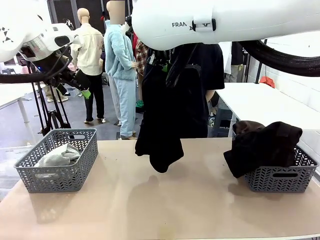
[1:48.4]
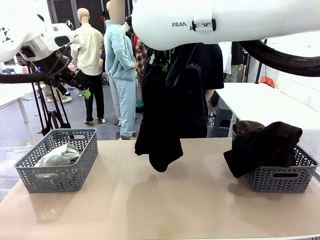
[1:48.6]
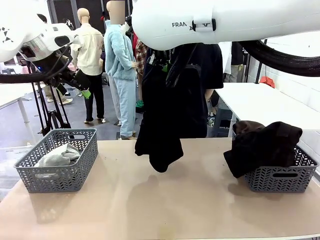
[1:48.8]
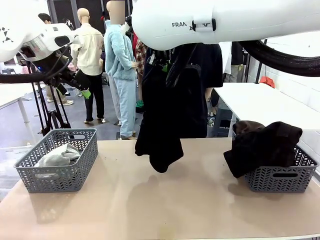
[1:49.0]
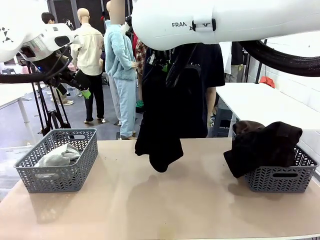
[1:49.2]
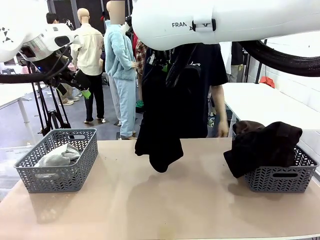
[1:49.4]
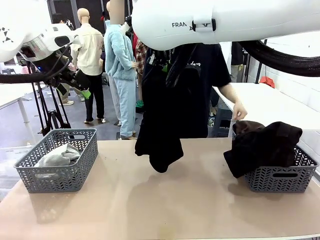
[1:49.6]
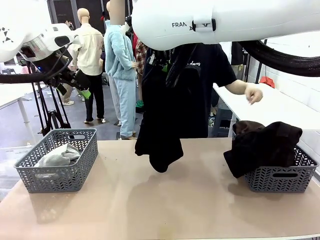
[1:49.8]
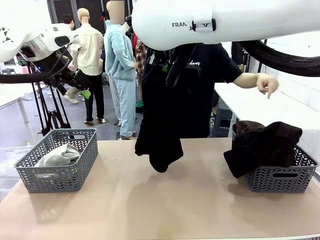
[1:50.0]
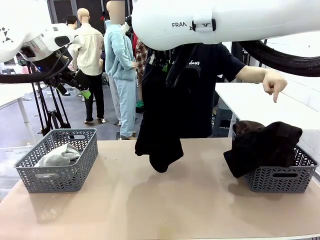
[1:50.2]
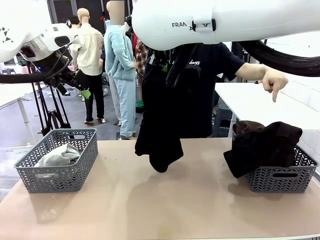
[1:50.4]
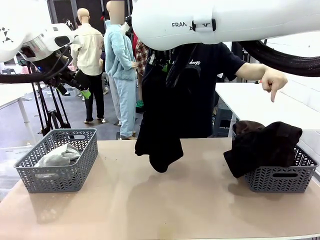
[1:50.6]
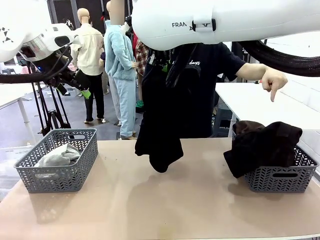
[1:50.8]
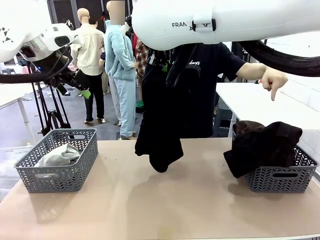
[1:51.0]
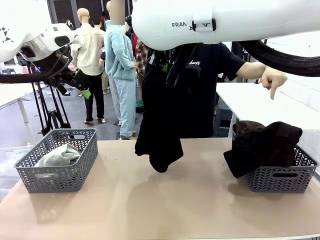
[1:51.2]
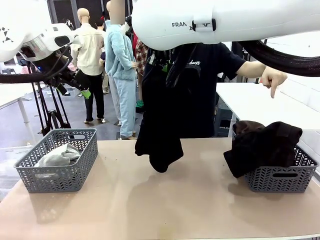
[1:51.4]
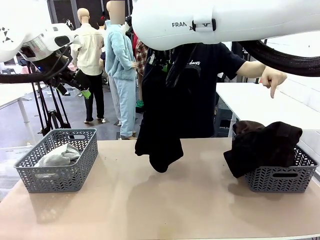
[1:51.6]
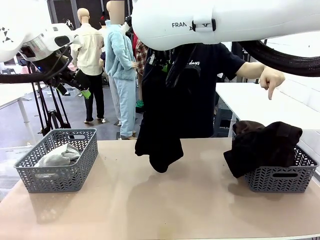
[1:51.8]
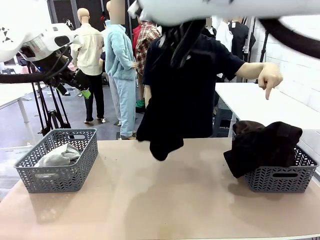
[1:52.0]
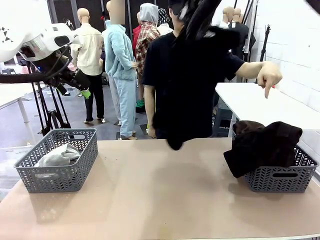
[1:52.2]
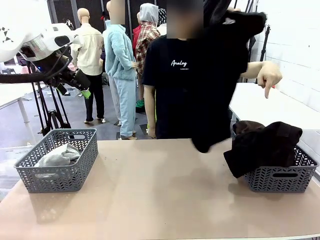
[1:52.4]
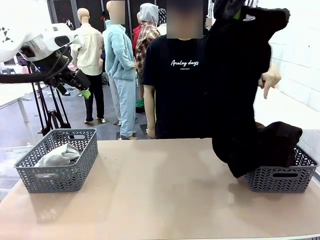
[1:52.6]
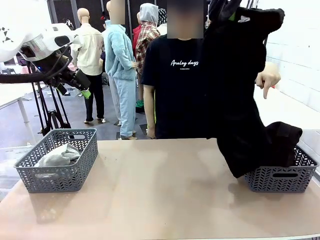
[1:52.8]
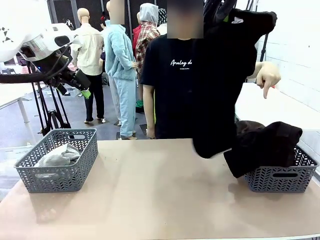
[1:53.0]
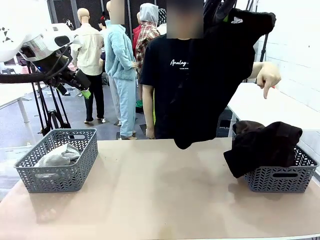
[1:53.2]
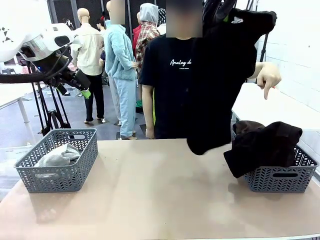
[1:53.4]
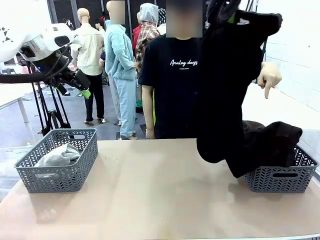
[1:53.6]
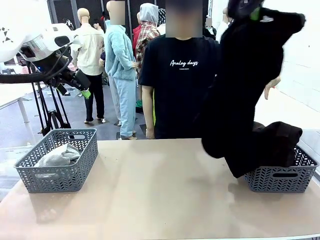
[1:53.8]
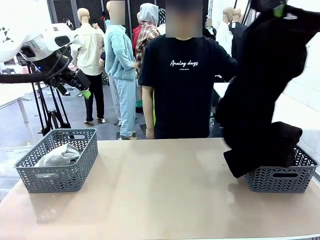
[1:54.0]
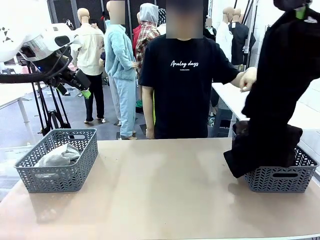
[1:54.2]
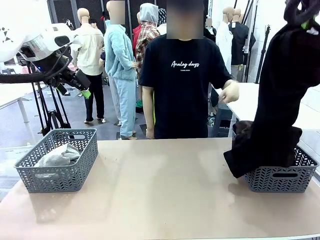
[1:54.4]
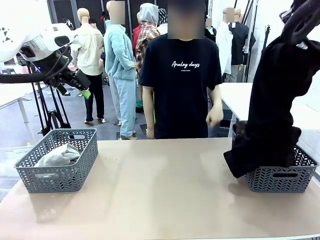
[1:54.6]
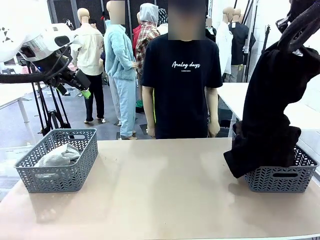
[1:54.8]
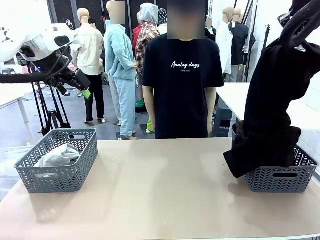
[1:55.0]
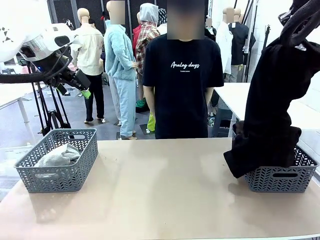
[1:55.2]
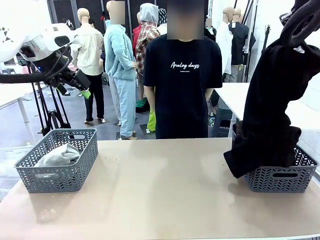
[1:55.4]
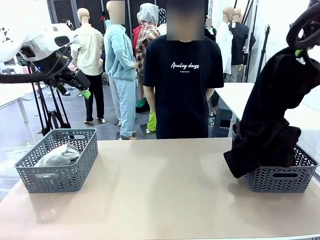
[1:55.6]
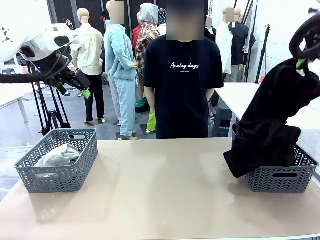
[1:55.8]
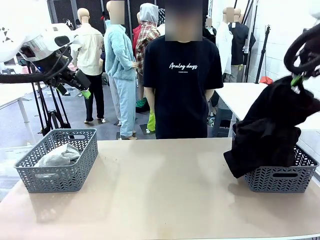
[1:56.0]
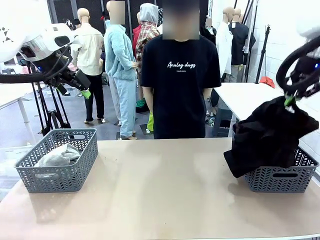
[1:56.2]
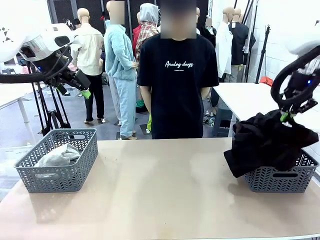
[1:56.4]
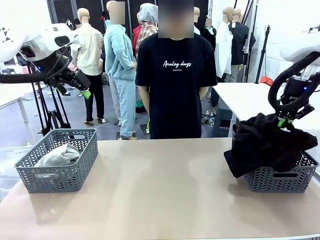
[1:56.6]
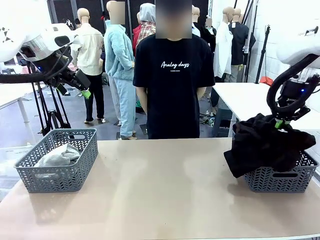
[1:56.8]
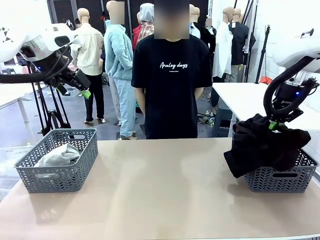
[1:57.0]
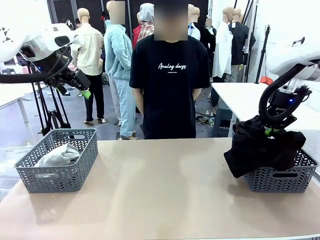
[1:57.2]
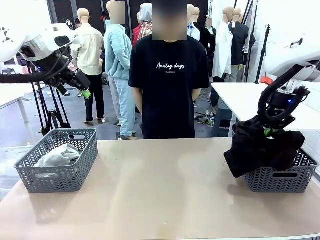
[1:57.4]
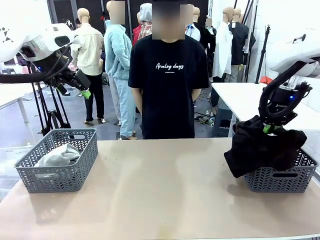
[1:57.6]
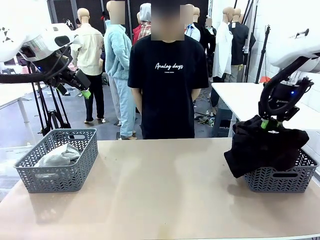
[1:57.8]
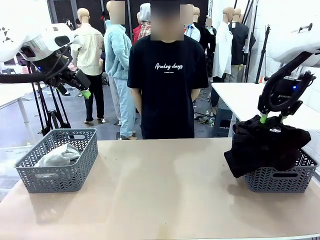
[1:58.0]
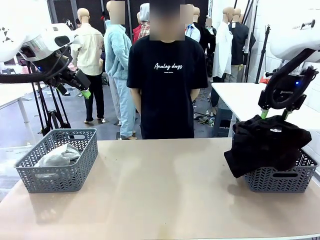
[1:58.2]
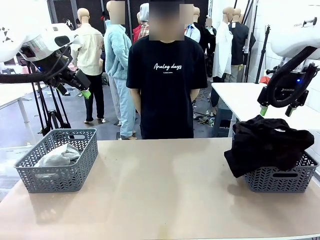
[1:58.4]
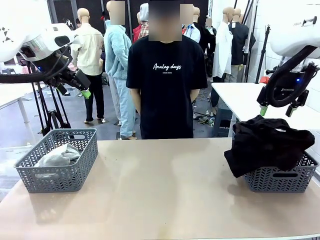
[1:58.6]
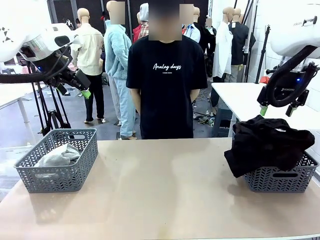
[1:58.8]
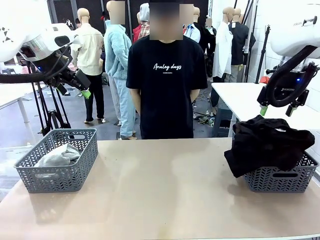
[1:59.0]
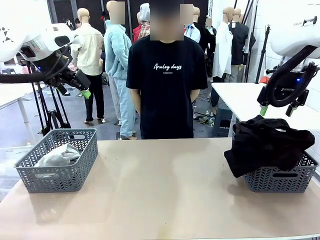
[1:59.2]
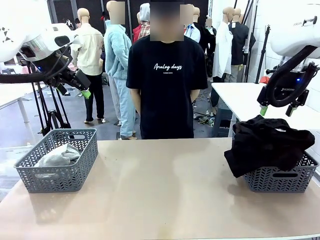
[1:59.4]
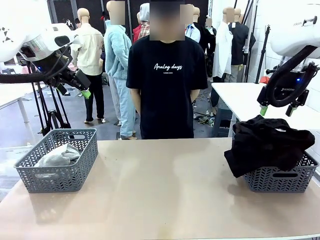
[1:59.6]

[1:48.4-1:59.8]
Task: Sort the tops and bottoms.
Robot: Sort the clothes according to human instructions.

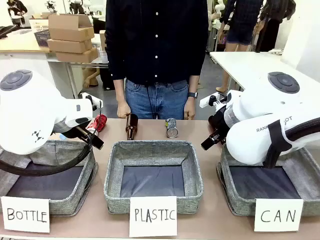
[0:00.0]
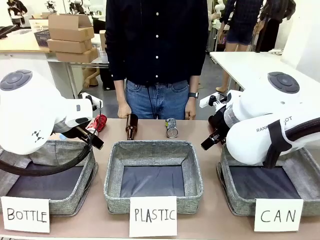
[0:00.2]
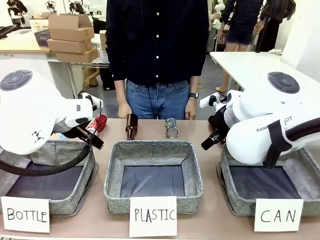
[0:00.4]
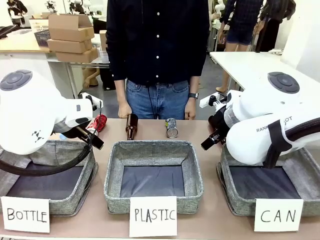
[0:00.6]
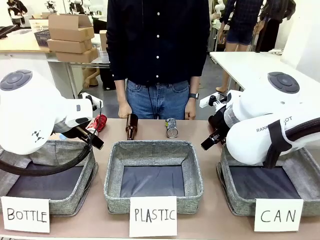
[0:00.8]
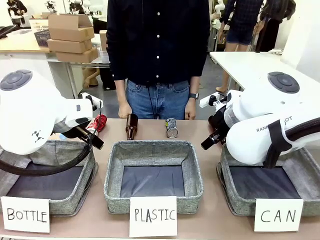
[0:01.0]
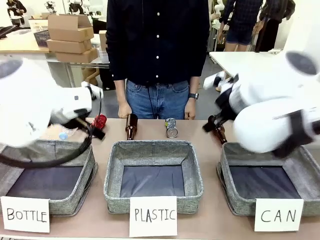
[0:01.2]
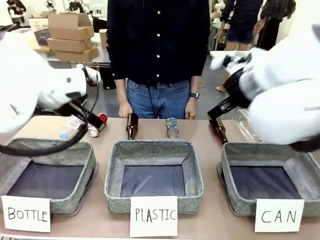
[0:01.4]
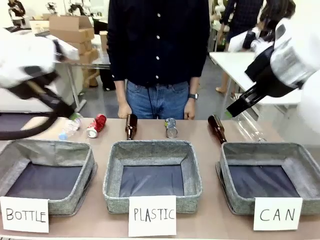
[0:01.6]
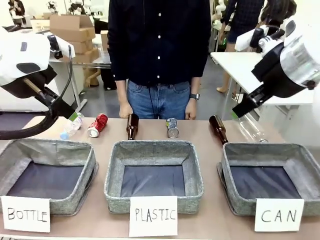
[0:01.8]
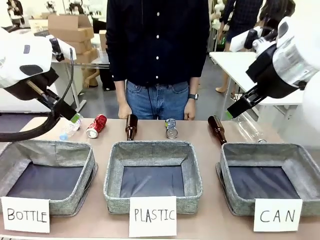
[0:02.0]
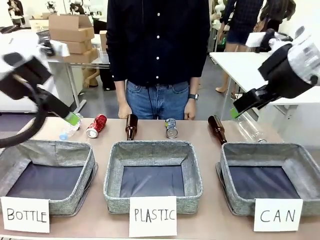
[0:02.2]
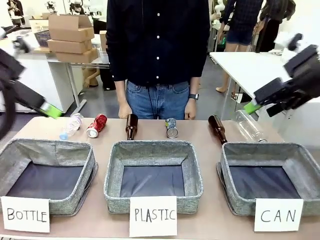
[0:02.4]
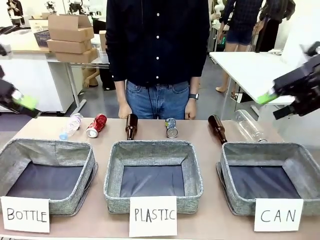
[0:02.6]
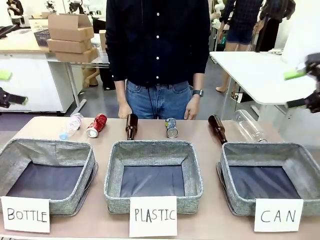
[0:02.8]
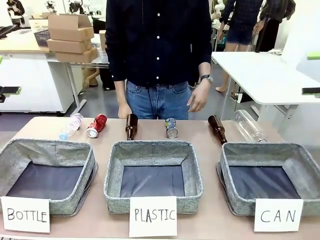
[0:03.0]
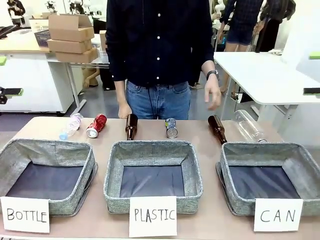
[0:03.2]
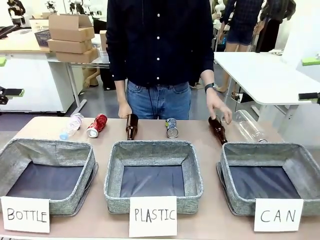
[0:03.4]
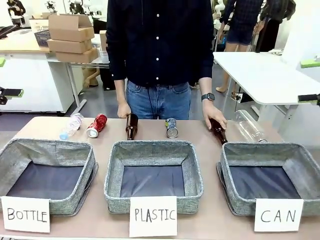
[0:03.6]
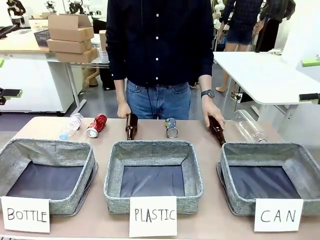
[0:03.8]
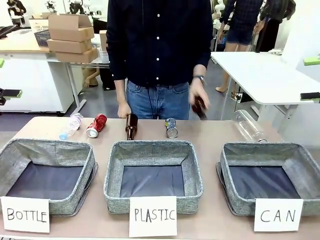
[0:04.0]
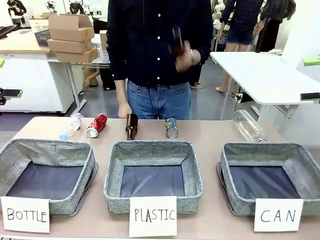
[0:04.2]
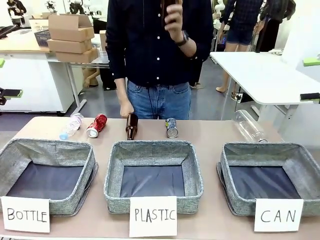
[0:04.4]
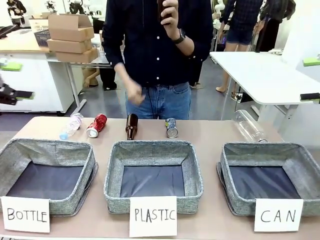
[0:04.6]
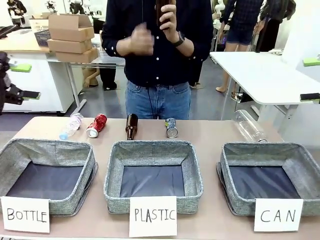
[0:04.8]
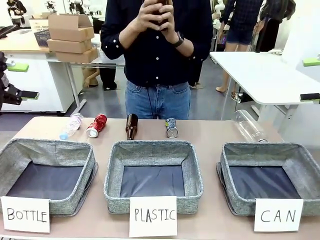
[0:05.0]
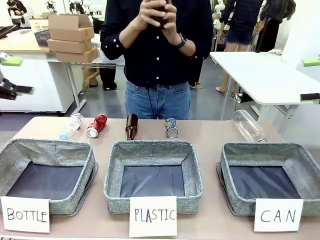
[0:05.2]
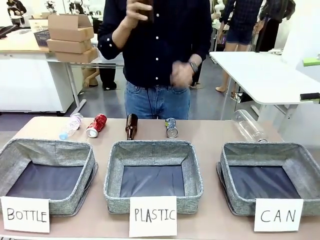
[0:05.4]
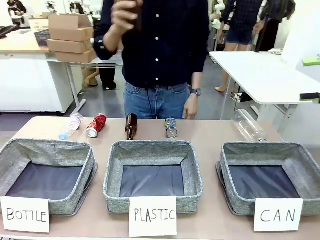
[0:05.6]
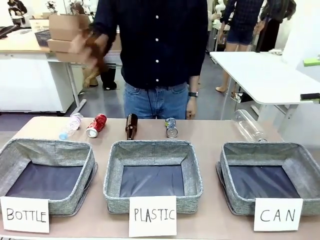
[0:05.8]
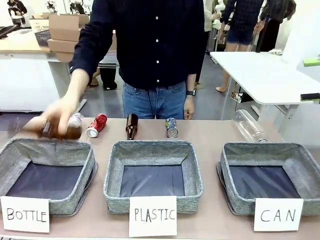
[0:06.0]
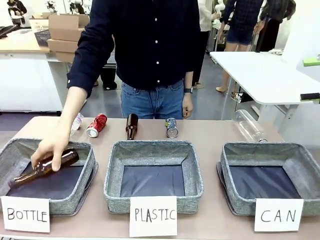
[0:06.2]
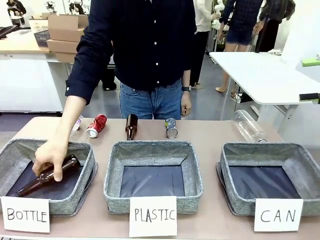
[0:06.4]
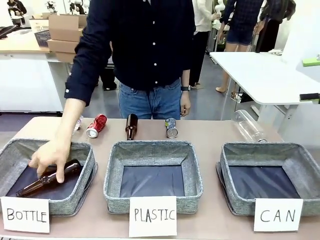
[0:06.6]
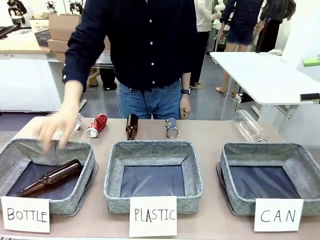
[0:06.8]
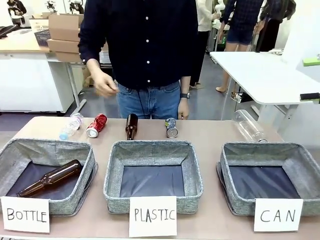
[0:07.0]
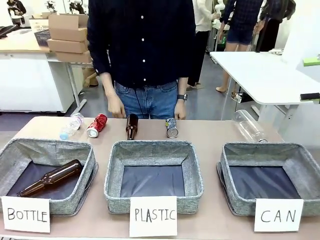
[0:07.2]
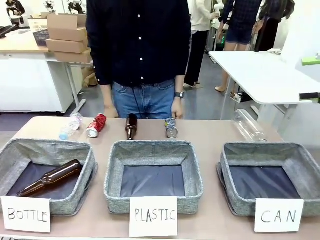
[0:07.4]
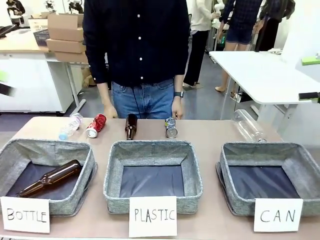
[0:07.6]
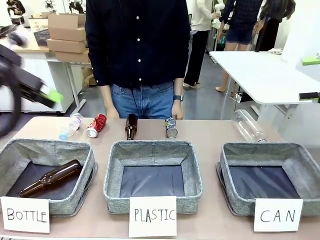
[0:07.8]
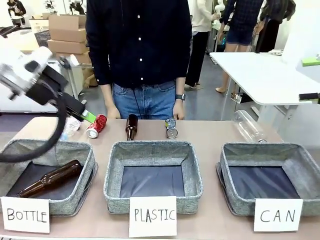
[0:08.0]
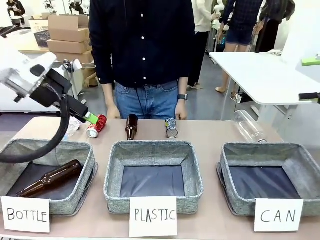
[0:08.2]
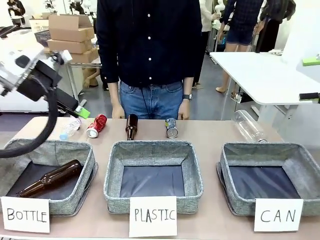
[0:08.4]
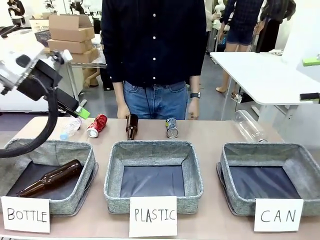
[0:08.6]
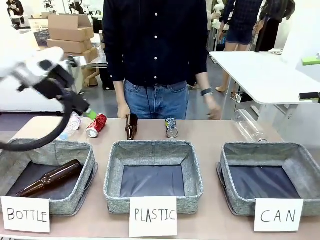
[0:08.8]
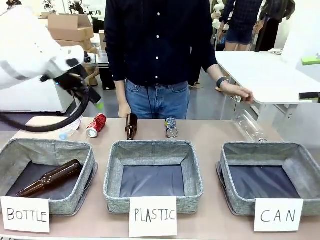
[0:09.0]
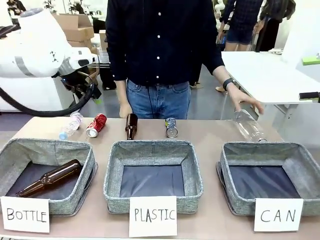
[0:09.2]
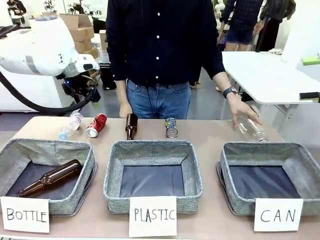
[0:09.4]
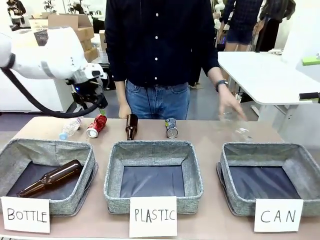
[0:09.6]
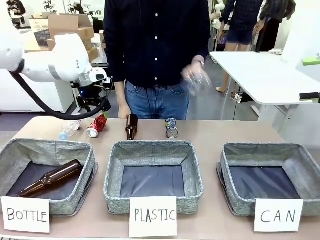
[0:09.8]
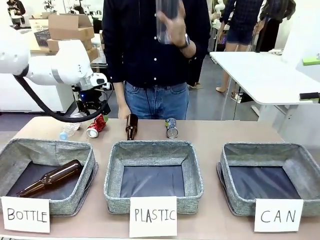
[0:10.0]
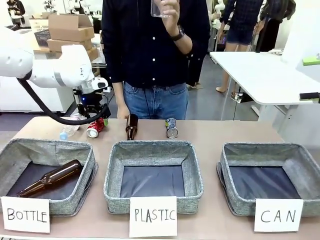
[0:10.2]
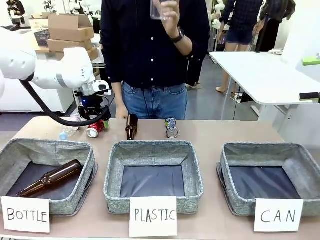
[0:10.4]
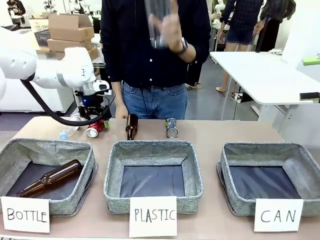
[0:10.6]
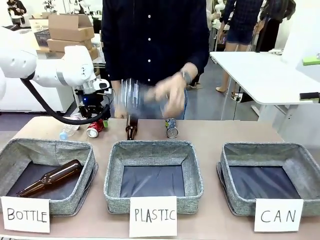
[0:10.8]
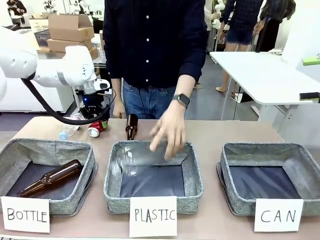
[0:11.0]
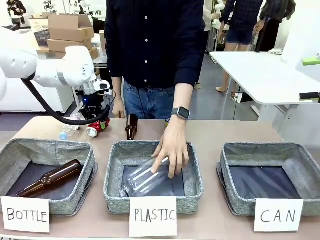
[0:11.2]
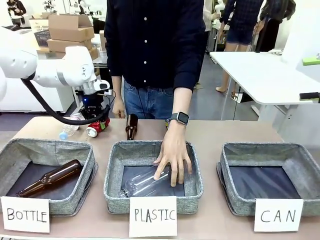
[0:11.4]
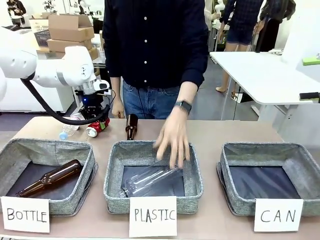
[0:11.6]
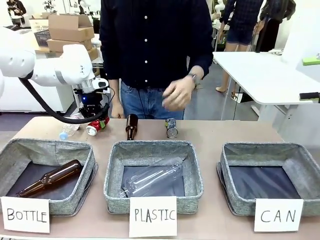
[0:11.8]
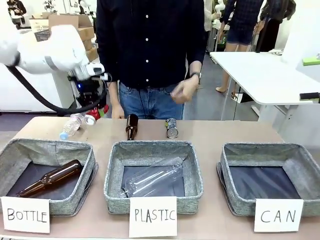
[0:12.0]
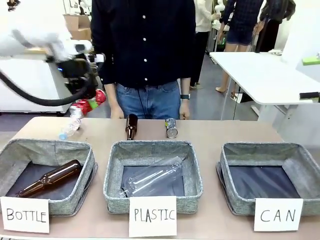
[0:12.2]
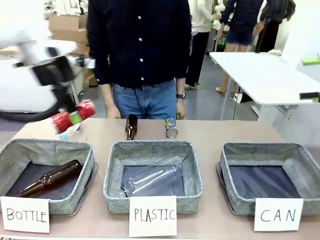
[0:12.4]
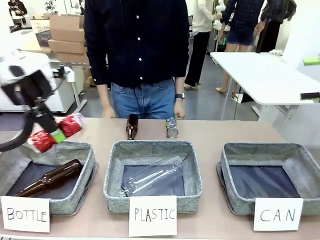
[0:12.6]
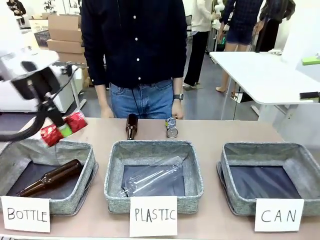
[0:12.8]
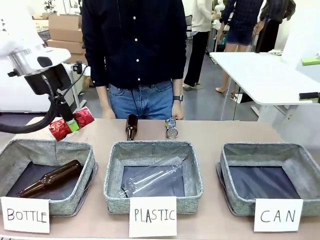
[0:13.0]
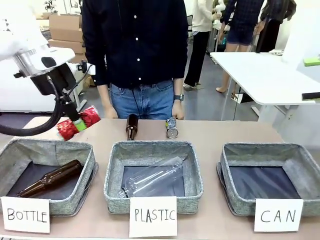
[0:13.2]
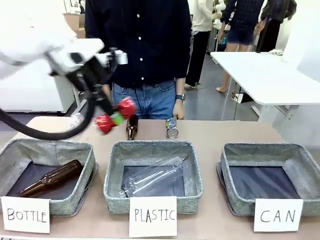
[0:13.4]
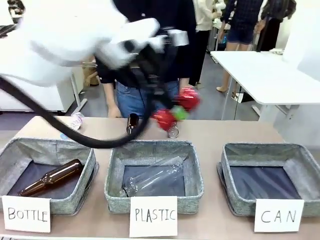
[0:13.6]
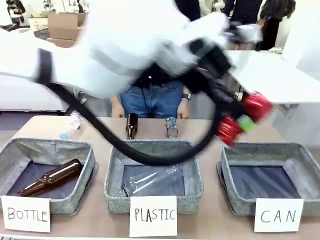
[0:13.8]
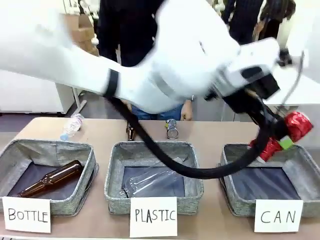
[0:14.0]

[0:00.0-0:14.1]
Task: Sort the can waste into the basket.
Robot: Pick up the can waste from the table and place it in the right Fabric basket.
